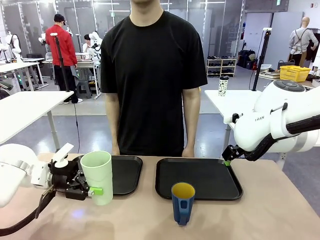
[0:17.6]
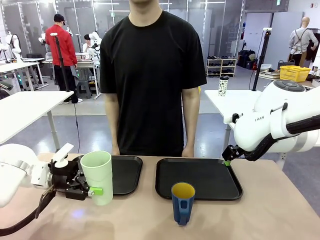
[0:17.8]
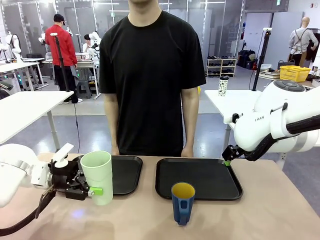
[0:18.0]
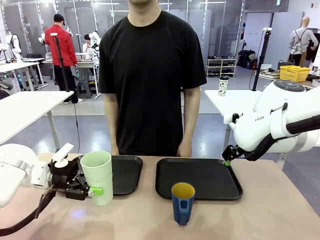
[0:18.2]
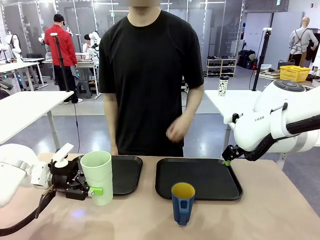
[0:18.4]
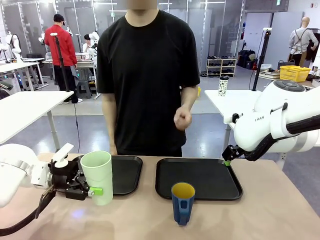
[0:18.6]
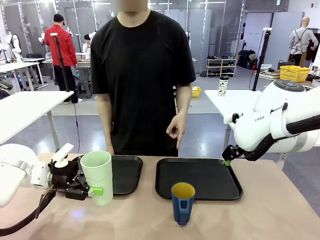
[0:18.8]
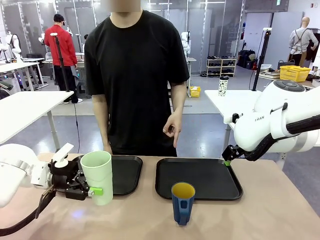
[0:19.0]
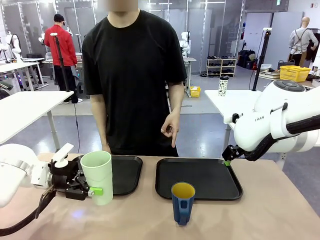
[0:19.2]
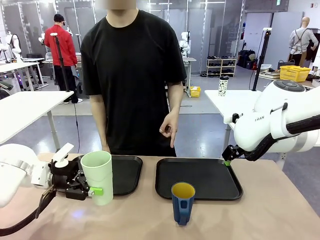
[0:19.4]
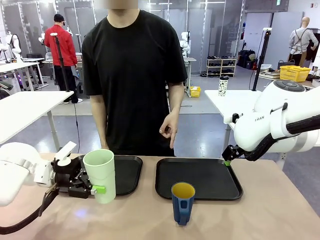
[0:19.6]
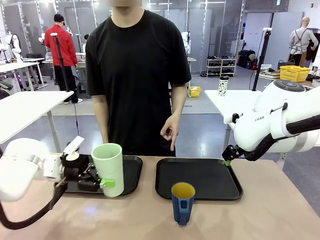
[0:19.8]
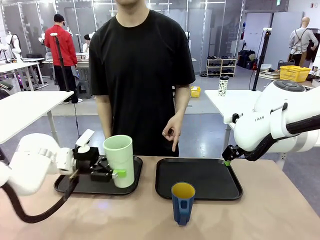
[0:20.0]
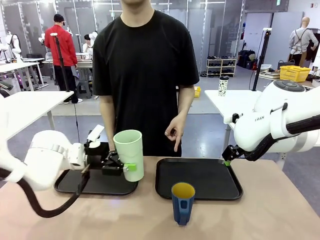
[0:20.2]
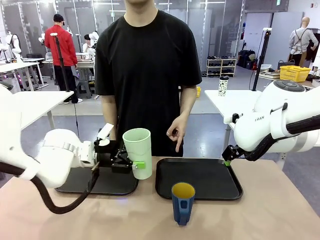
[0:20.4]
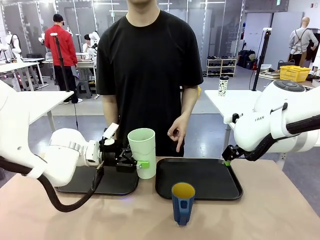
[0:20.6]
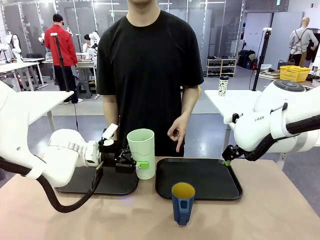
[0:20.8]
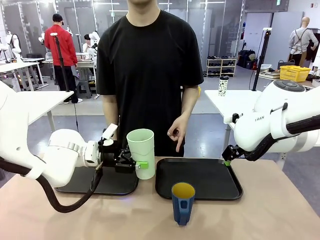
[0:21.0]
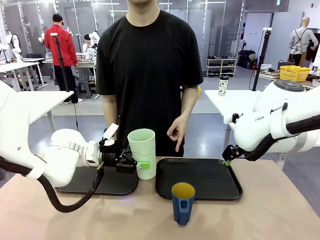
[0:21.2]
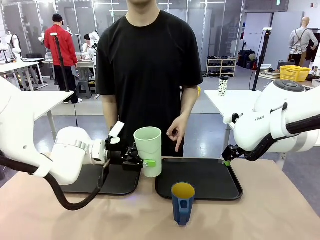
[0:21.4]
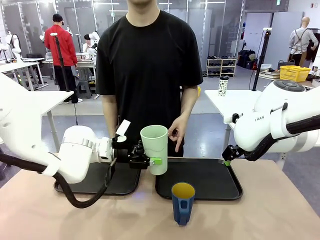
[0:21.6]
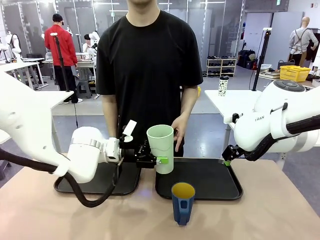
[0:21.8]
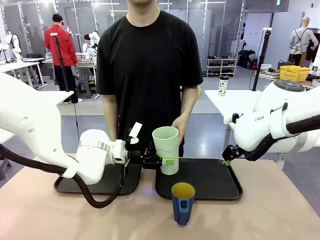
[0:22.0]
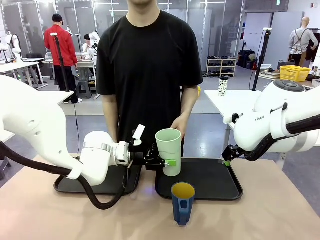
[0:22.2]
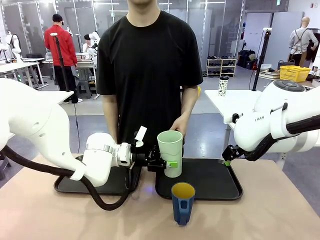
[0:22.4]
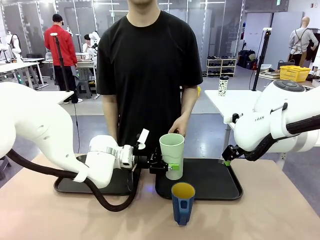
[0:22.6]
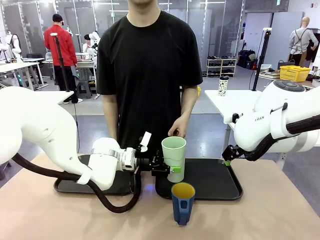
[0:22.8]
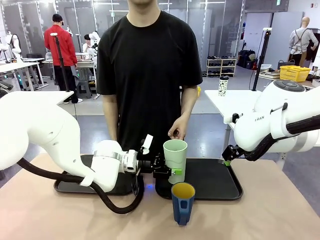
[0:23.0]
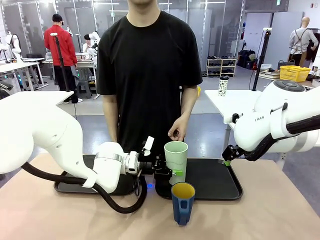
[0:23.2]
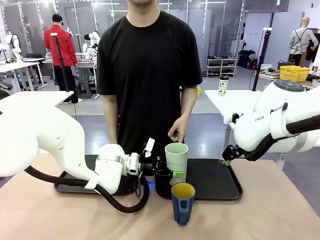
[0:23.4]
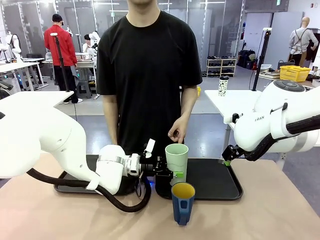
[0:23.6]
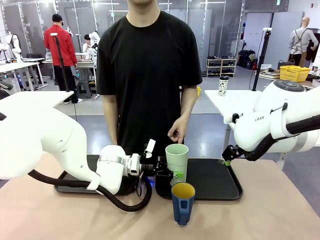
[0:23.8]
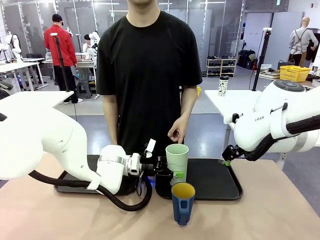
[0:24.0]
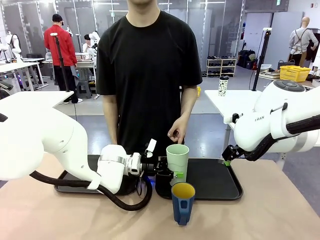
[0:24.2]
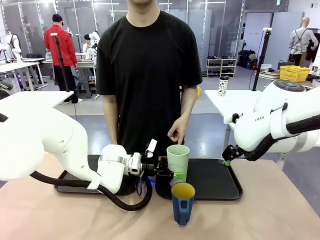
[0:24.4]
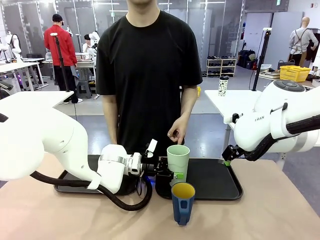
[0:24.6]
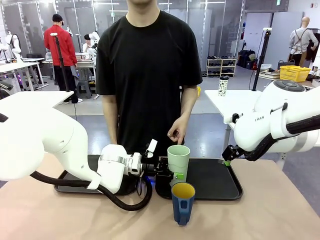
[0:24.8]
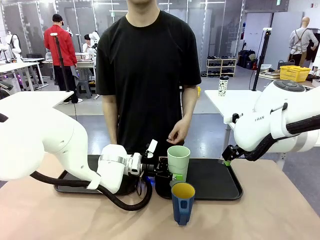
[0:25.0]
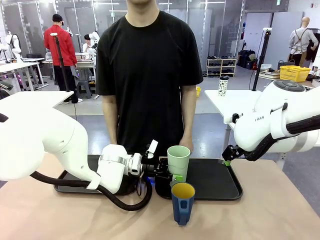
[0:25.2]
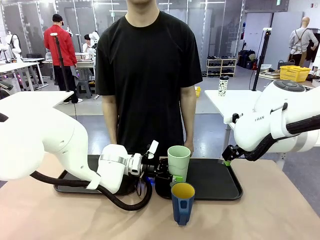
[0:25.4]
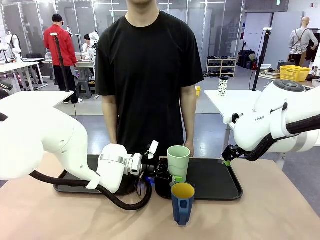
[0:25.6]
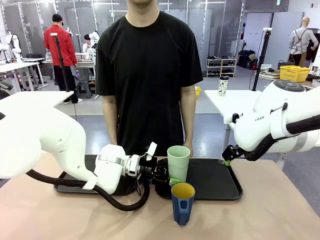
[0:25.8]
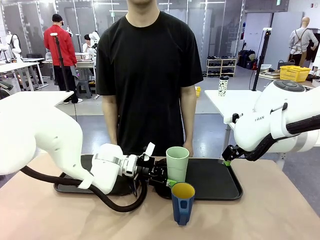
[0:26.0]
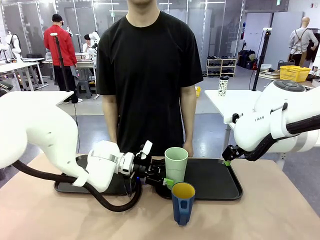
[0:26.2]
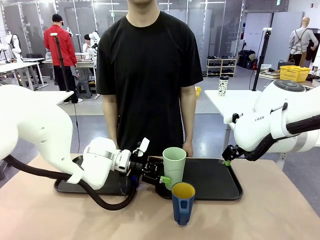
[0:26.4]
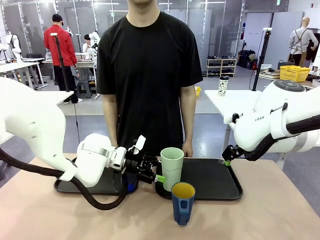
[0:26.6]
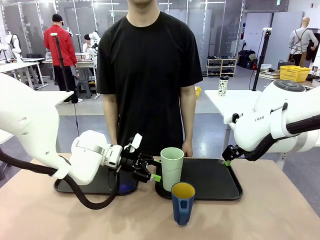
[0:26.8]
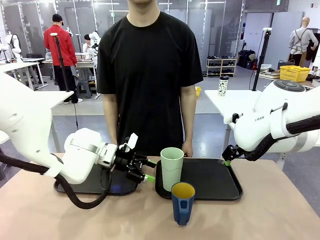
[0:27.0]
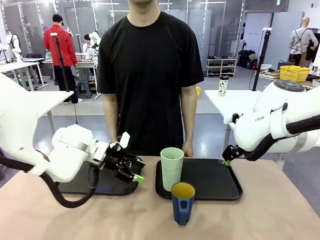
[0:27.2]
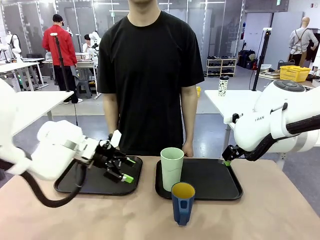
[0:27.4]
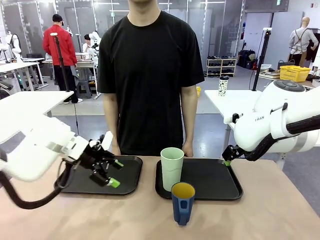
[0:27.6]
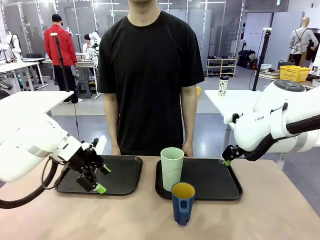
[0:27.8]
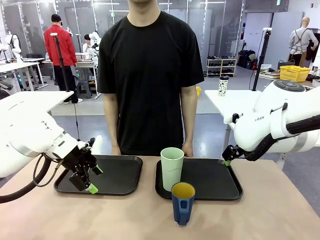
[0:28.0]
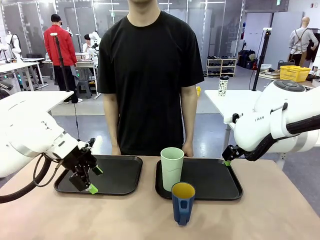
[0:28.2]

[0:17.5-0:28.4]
Task: Sort and store the cups by type.
Robot: Place the picked Reusable plastic cup into the Flat Tray indicated by the person.

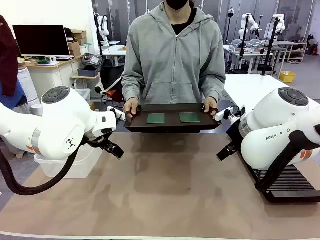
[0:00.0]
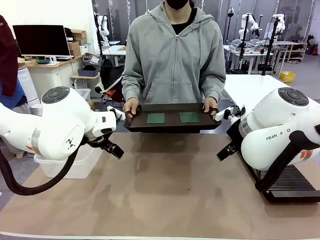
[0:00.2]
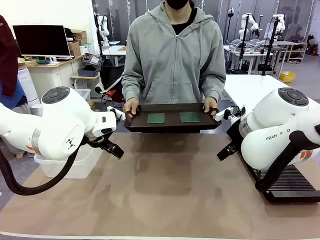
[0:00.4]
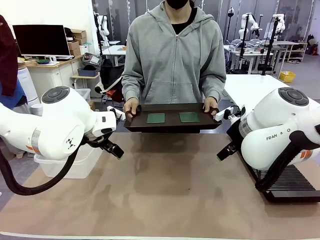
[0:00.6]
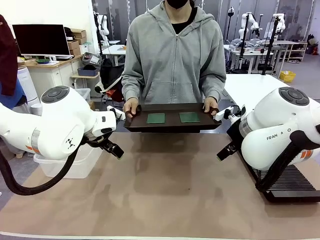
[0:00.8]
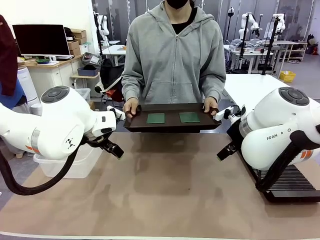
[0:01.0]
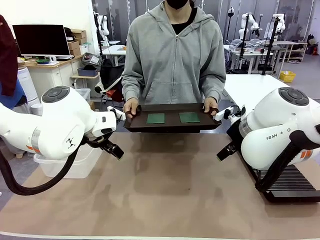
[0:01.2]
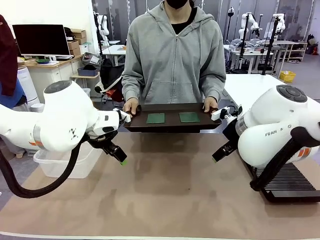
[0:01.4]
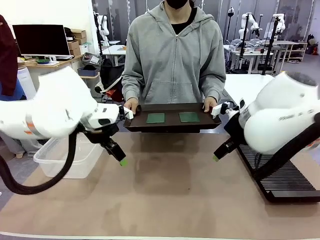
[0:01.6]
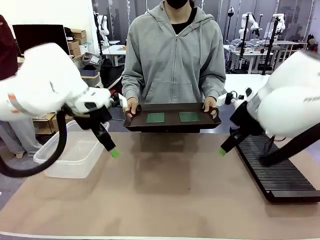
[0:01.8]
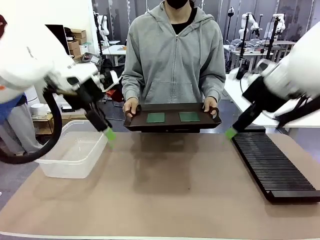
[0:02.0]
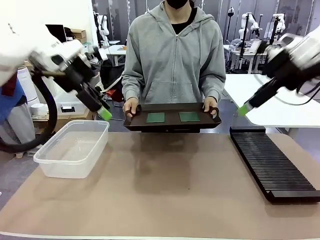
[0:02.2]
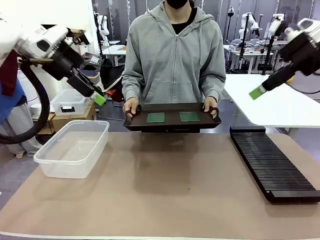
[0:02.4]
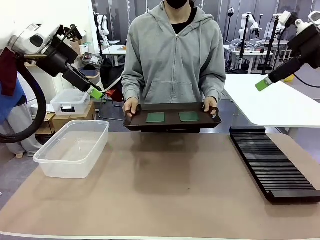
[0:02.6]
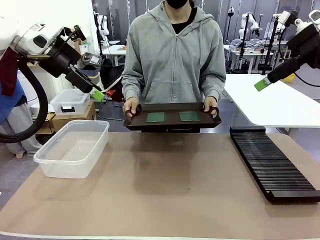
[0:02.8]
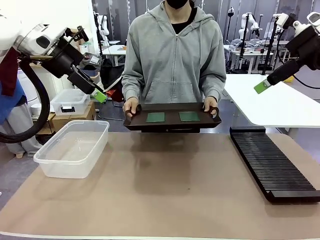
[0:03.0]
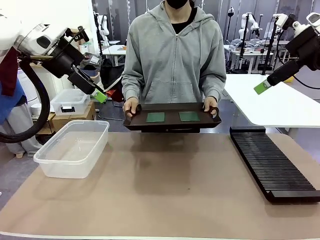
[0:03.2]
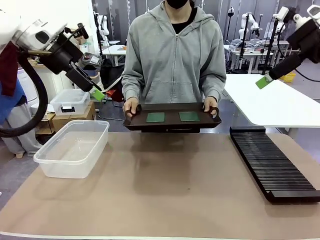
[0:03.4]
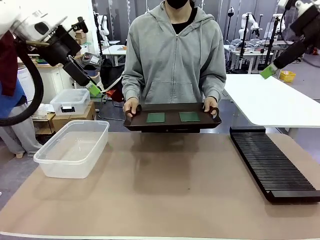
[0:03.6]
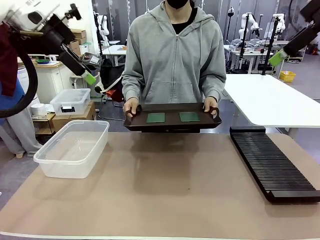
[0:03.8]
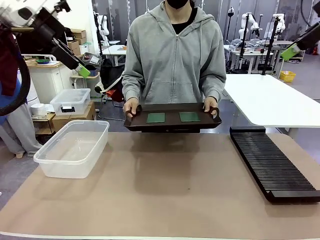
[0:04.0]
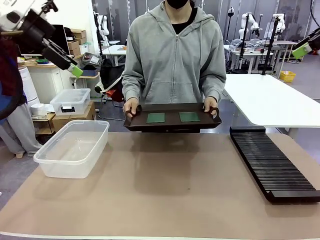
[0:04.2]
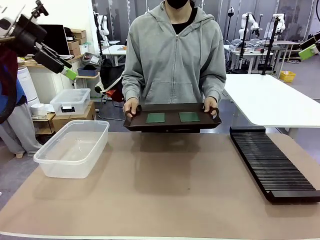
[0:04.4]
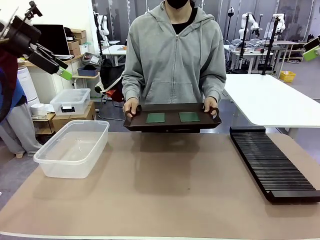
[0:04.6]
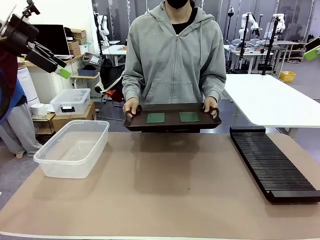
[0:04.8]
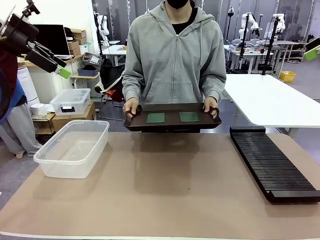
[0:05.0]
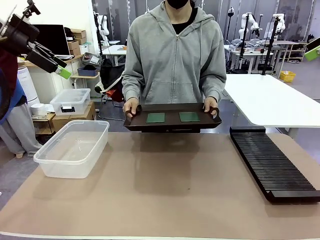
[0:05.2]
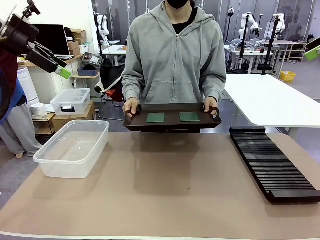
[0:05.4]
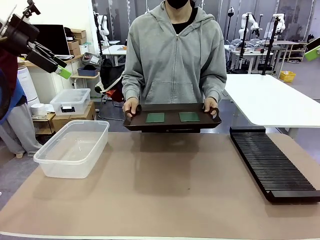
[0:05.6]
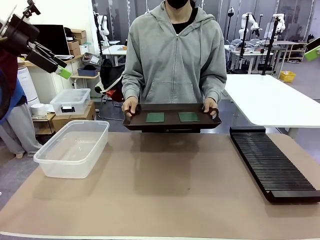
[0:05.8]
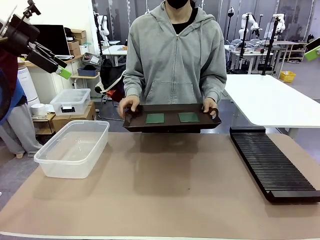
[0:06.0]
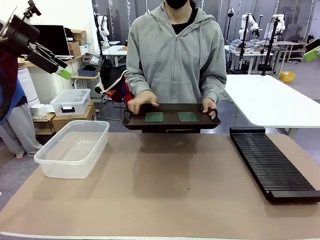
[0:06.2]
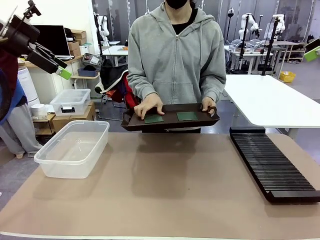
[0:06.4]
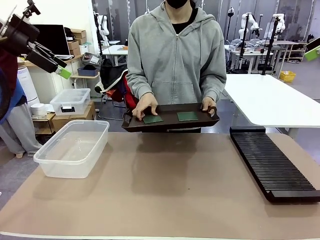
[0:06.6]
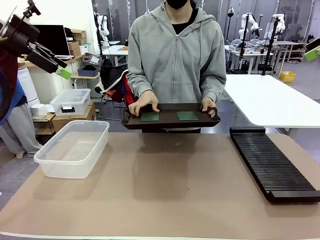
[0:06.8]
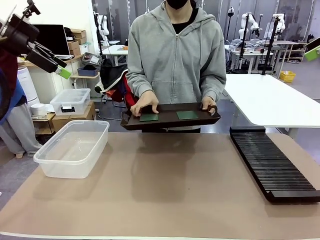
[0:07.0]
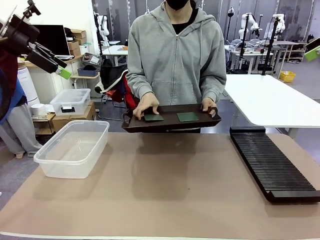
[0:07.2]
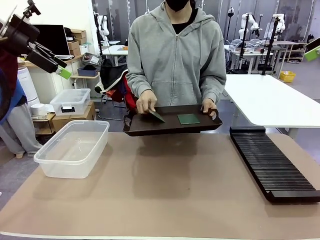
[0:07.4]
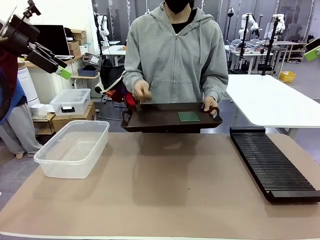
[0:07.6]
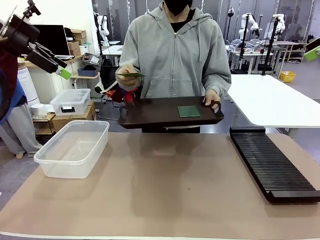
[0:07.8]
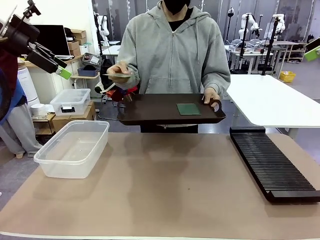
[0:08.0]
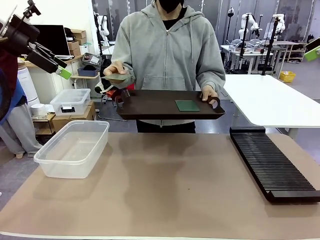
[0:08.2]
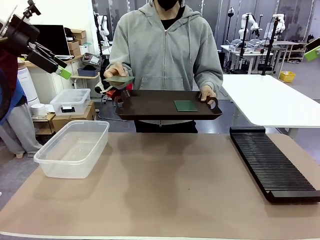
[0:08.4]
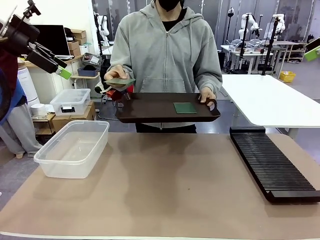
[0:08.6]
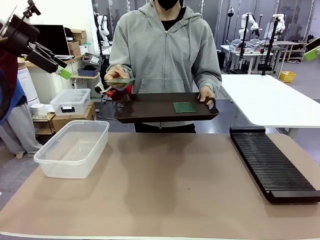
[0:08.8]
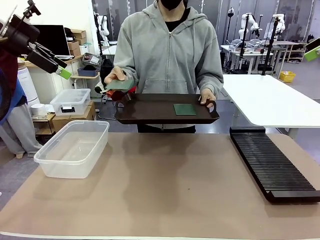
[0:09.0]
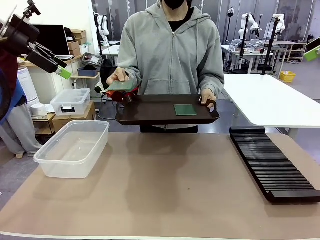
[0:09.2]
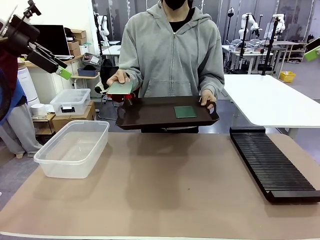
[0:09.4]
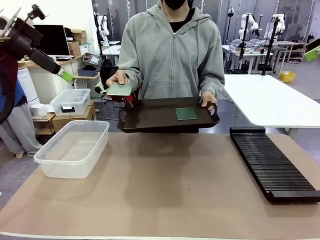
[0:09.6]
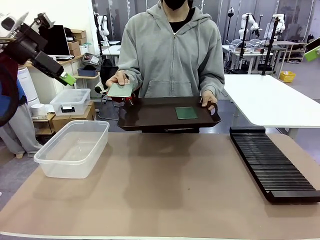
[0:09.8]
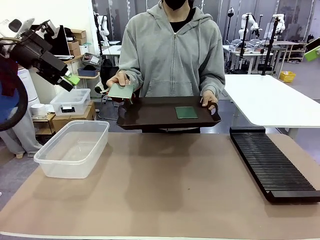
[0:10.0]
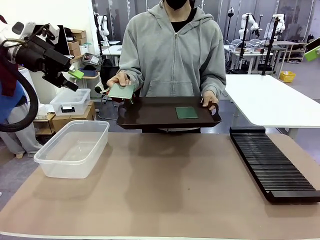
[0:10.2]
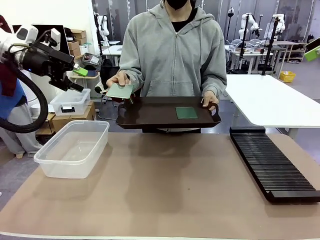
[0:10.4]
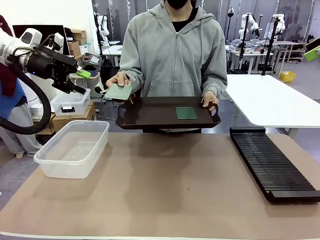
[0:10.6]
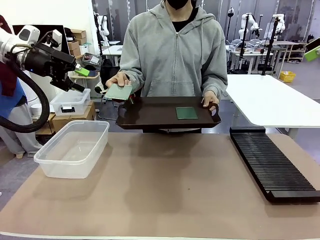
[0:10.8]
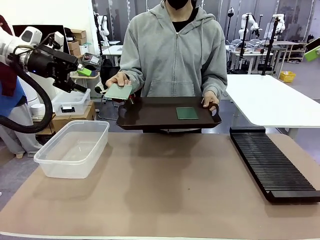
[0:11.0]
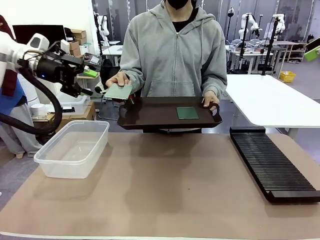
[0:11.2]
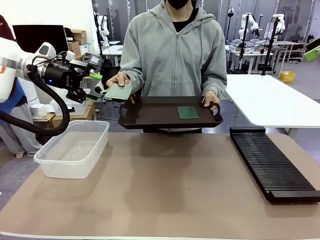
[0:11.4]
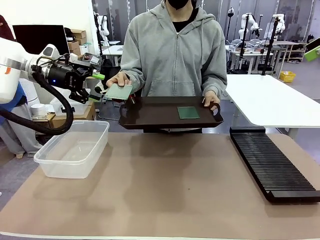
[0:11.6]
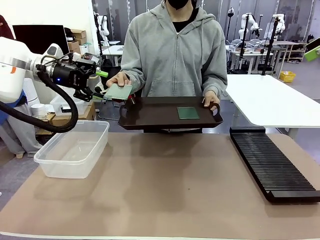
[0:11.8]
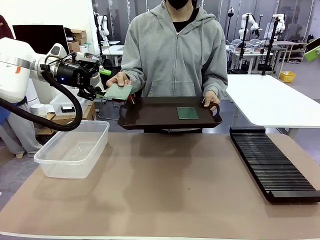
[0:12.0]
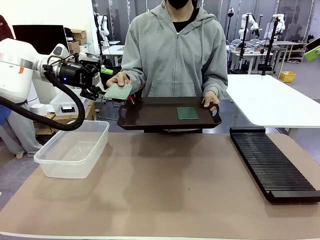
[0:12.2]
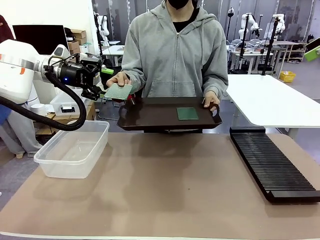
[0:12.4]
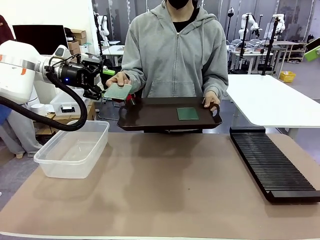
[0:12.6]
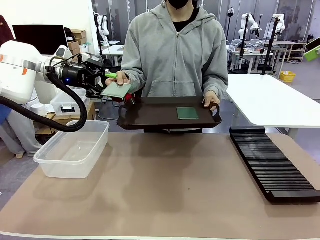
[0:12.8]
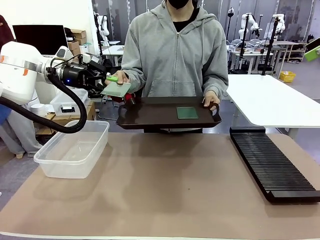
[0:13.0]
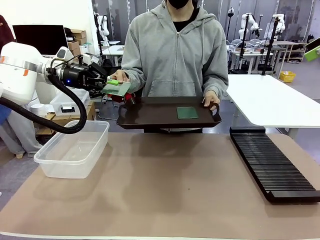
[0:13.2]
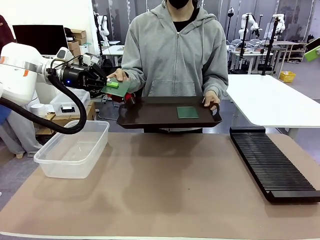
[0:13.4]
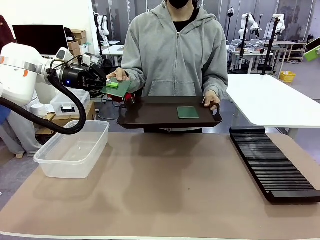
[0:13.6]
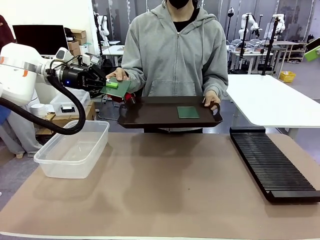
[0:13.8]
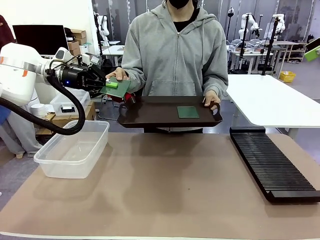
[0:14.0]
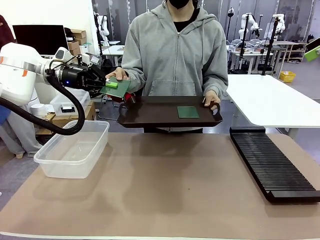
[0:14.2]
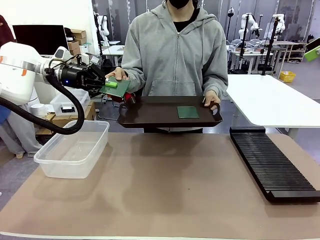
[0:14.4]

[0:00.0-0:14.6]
Task: Sort PCBs into racks and boxes based on the side picked up.
Robot: Pick up the Blank PCB handed by the Human.
Person: Pick one PCB from the tray and present it to the robot. Release the PCB being held.
